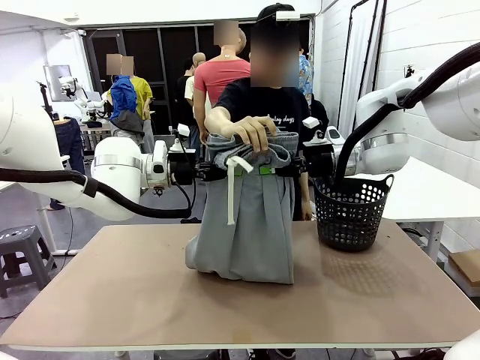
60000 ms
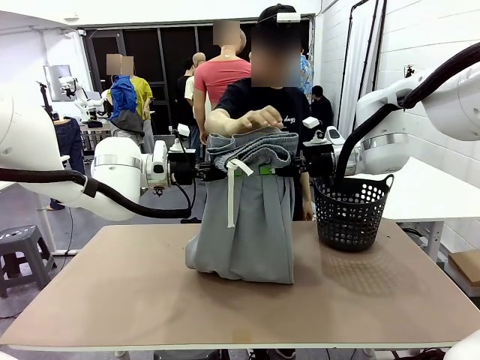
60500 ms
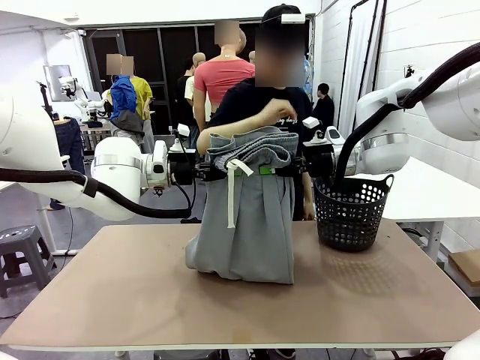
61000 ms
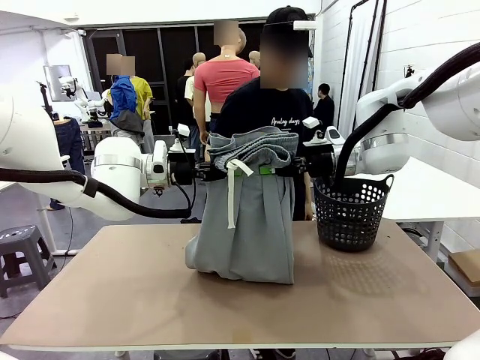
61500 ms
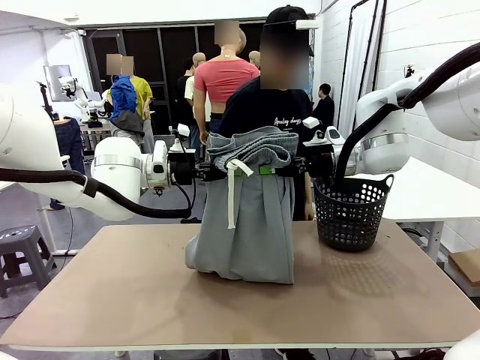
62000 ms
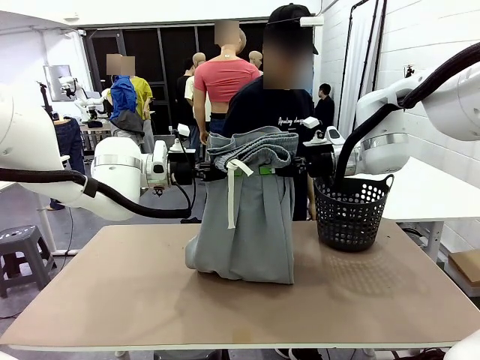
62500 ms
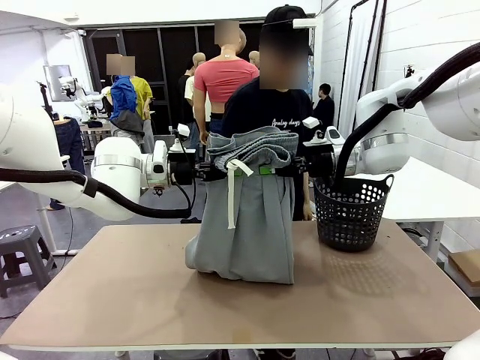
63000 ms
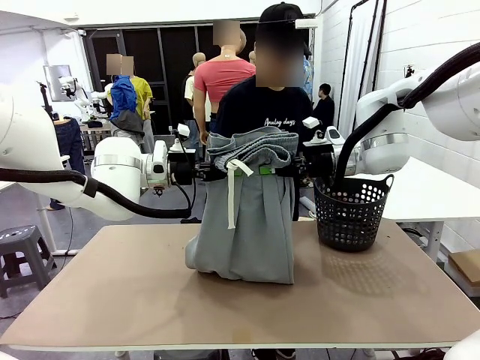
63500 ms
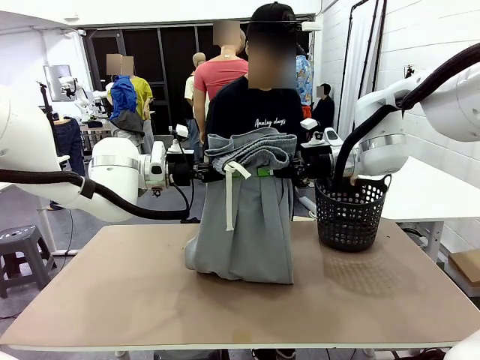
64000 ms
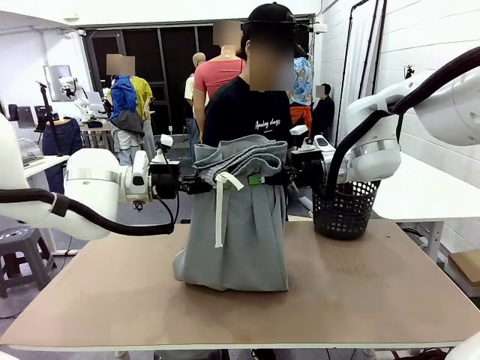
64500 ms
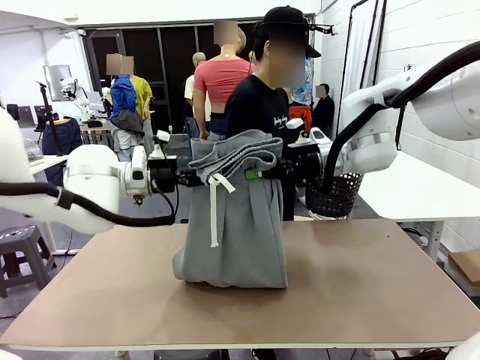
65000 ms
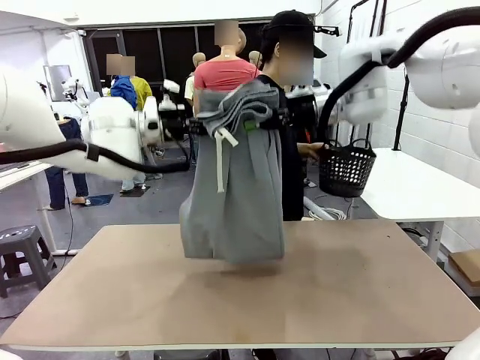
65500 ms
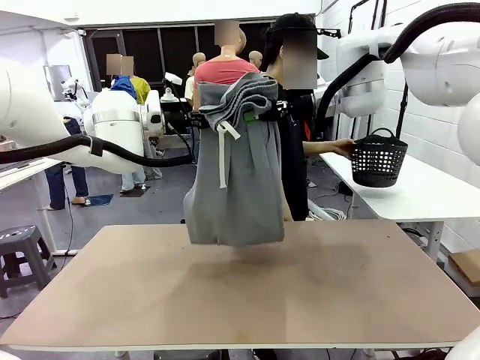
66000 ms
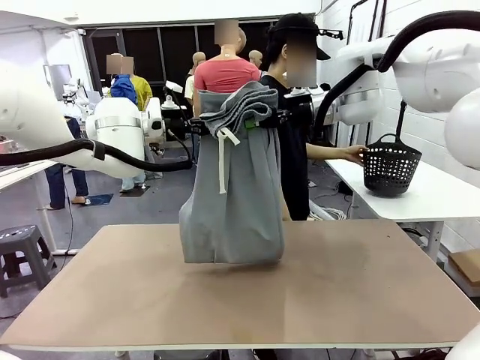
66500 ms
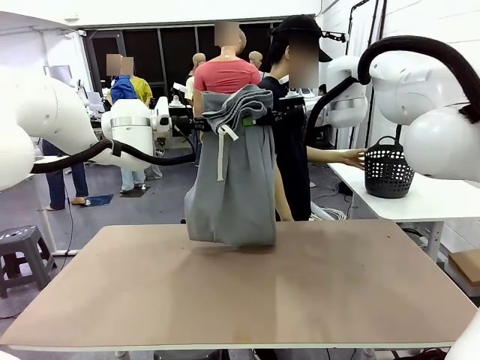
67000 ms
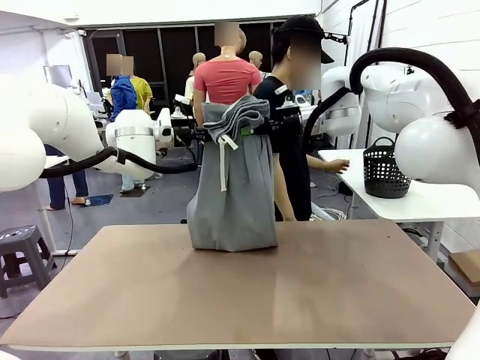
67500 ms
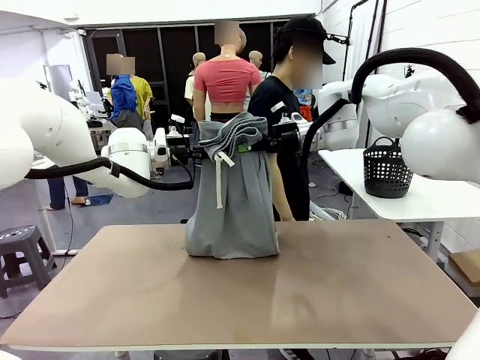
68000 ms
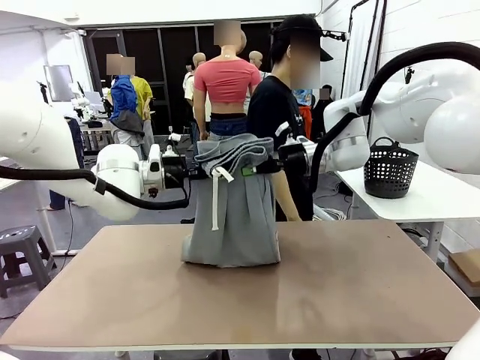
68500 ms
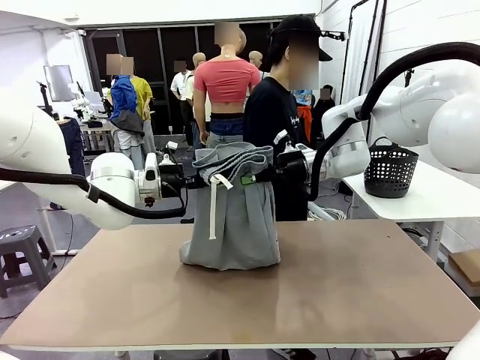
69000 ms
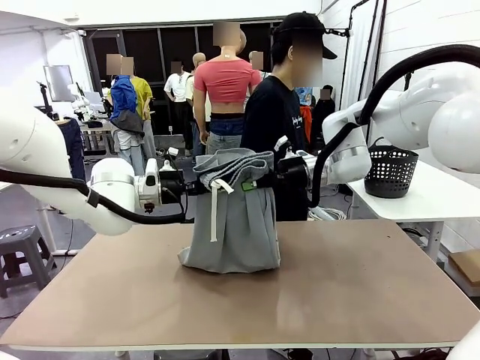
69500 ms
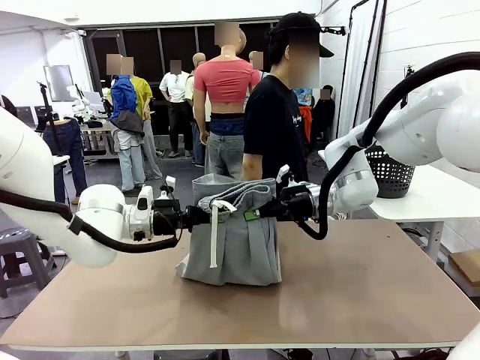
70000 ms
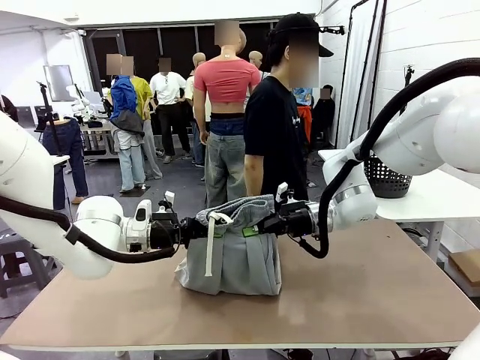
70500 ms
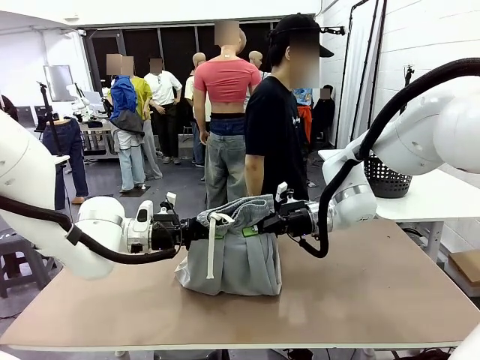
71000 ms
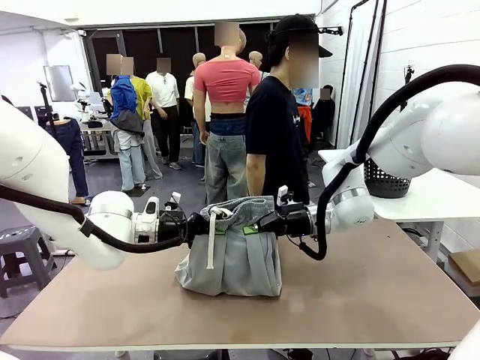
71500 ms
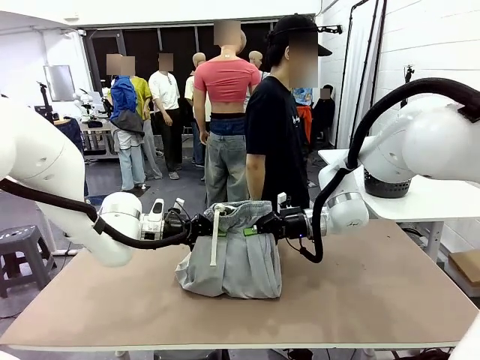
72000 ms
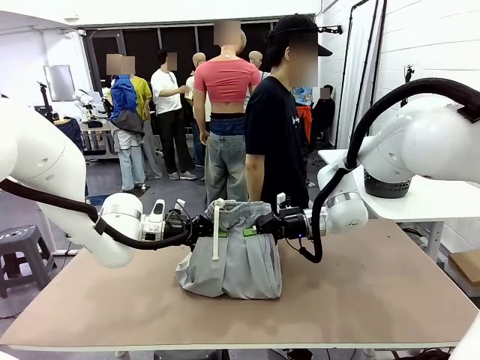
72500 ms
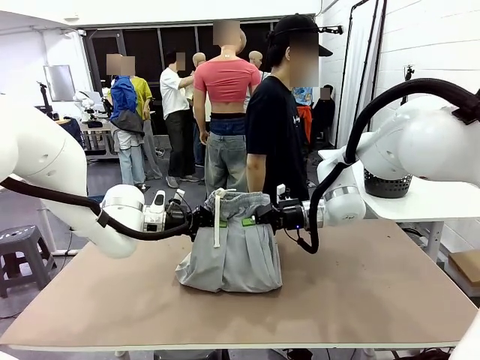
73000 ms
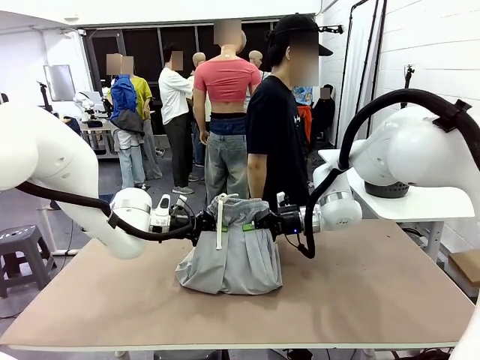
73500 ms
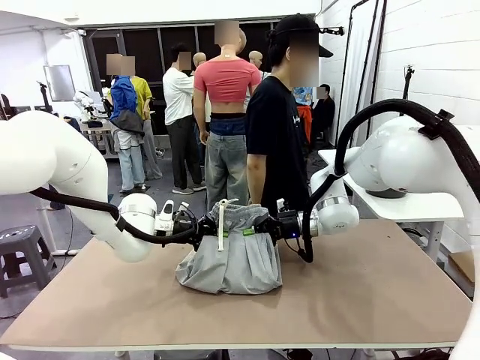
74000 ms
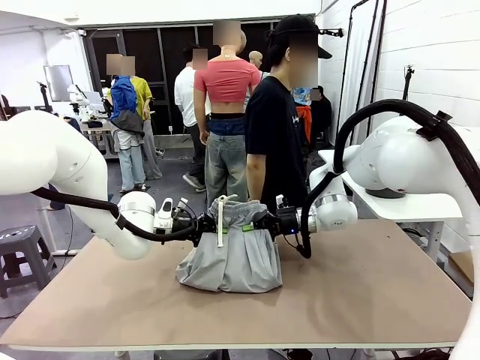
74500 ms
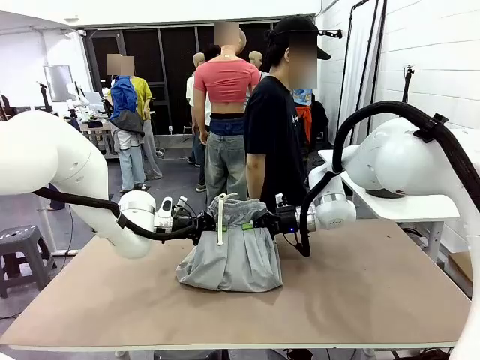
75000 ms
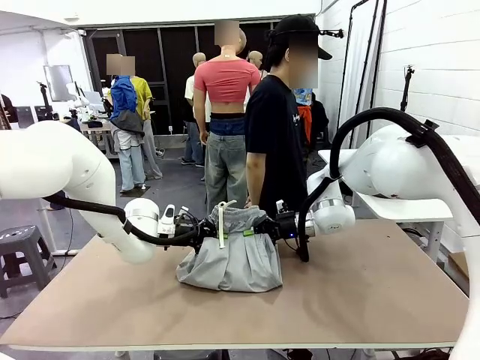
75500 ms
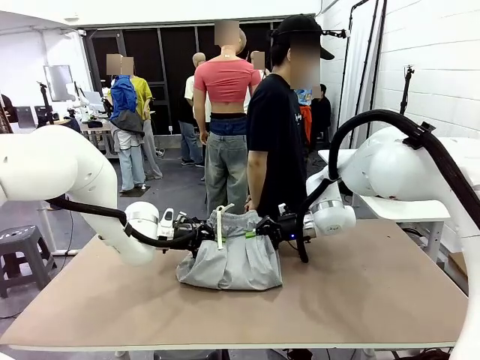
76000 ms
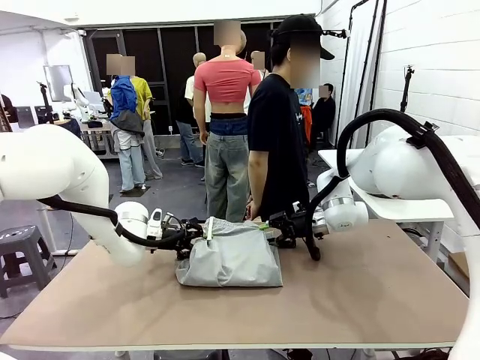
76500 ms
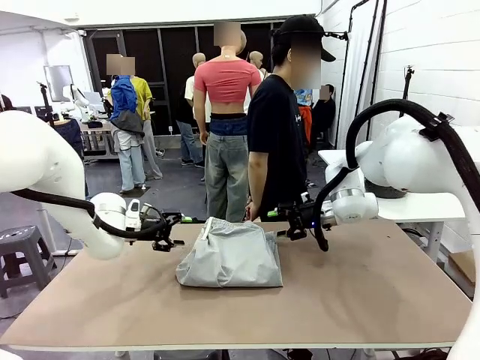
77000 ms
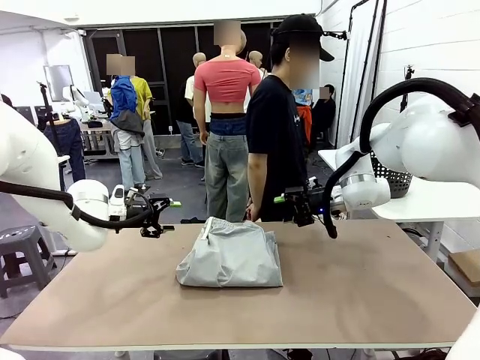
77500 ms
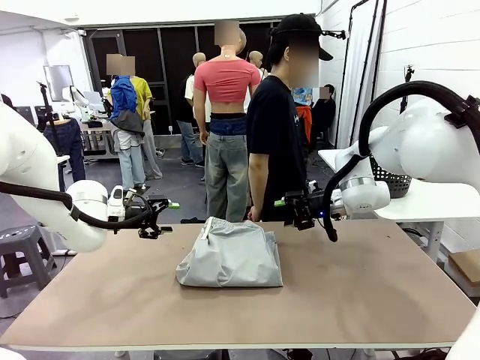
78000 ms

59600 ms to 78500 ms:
Task: Fold the training pants.
Robot: Fold the Training pants in half.
Person: Move the laundry basket to the right of the human table.

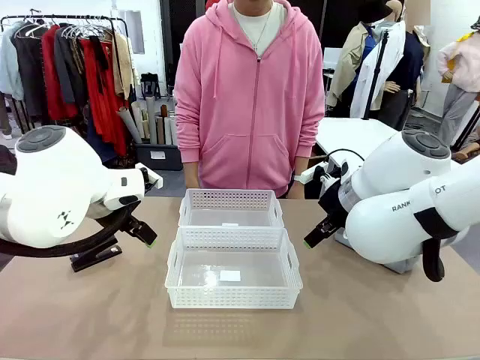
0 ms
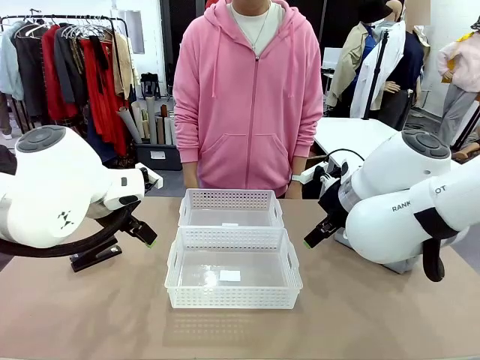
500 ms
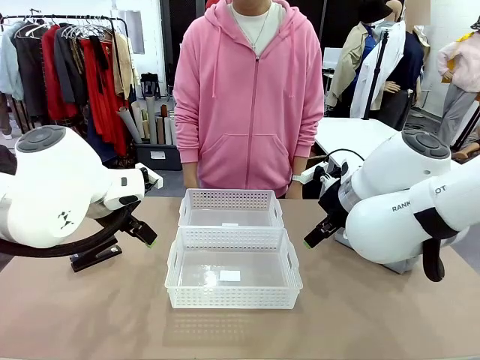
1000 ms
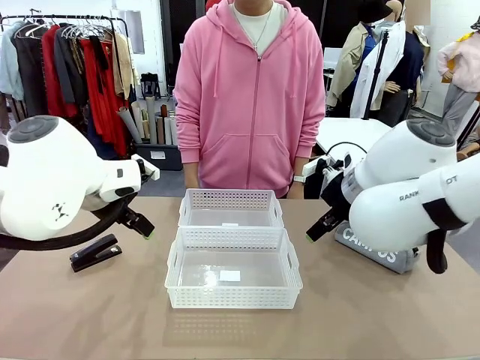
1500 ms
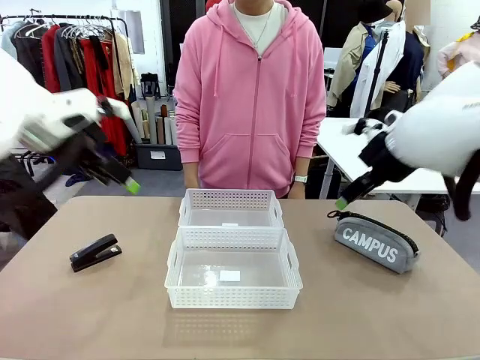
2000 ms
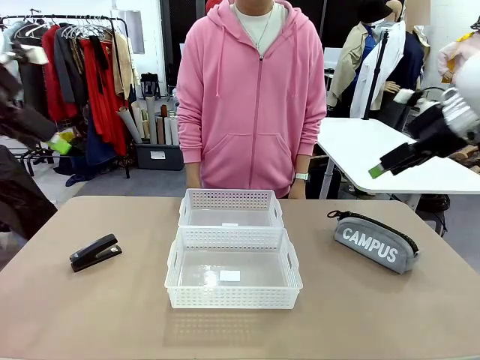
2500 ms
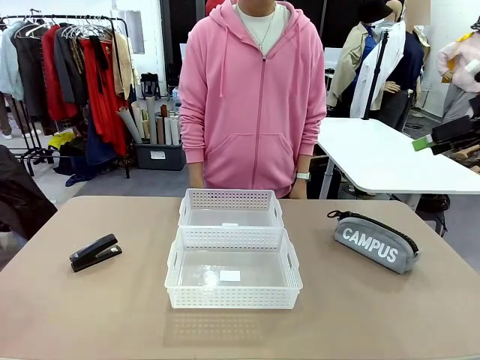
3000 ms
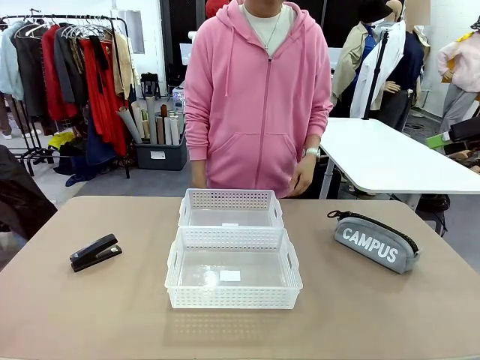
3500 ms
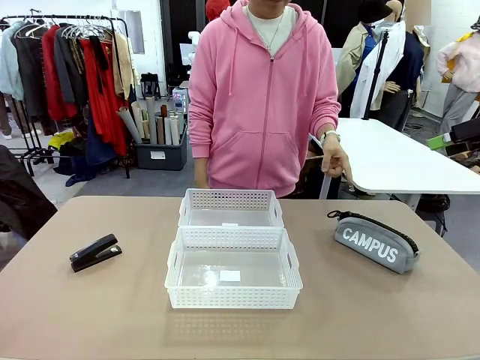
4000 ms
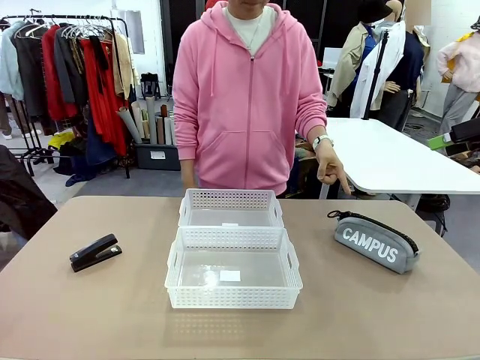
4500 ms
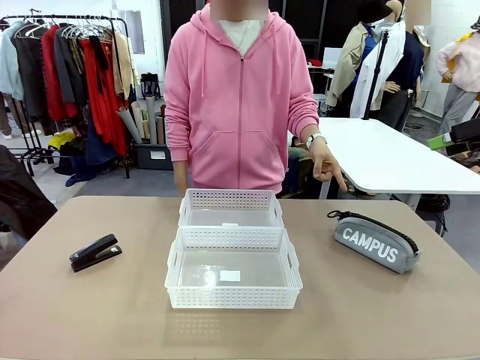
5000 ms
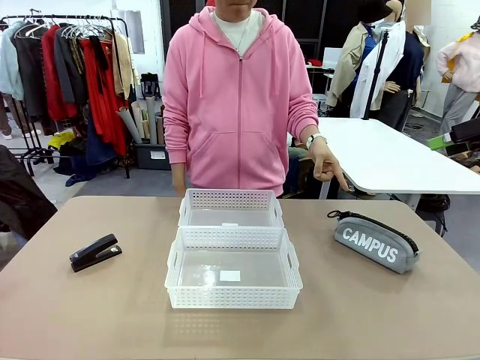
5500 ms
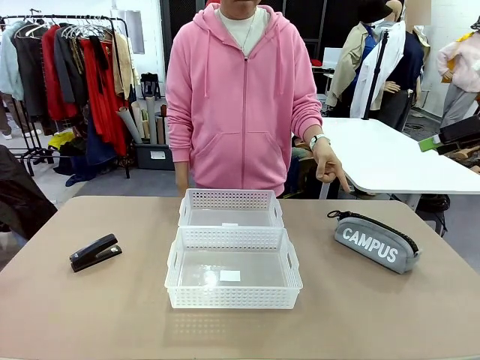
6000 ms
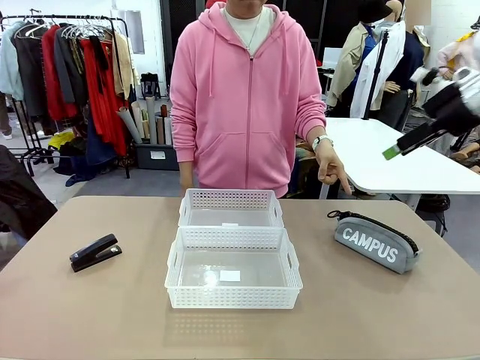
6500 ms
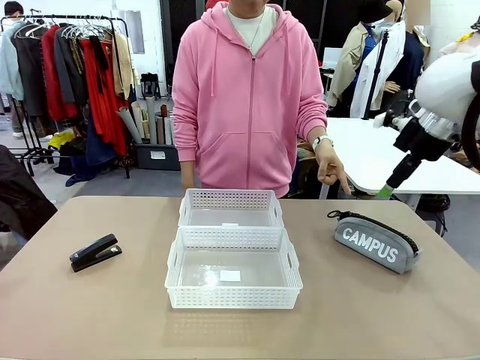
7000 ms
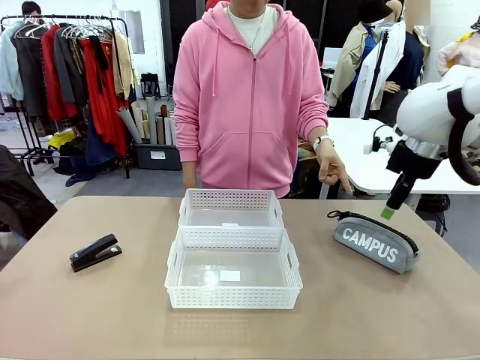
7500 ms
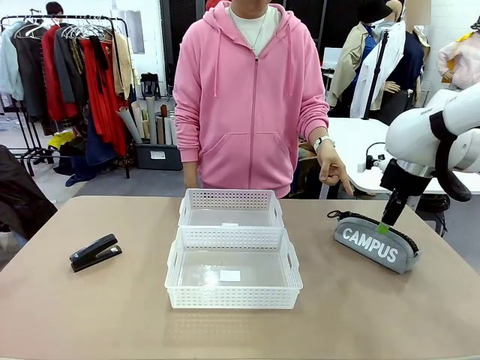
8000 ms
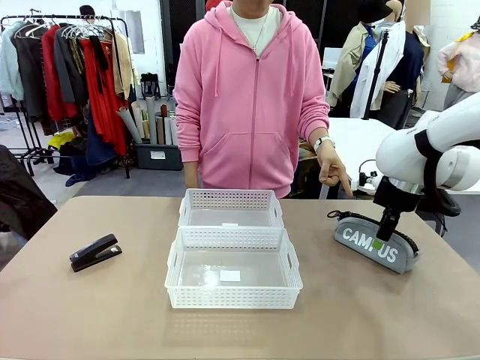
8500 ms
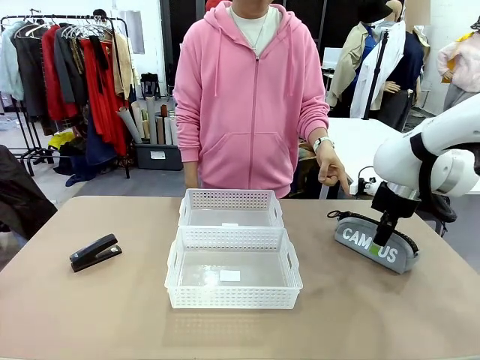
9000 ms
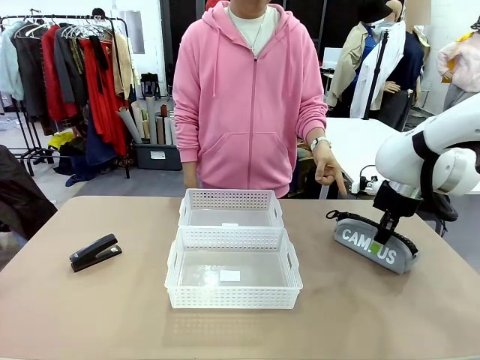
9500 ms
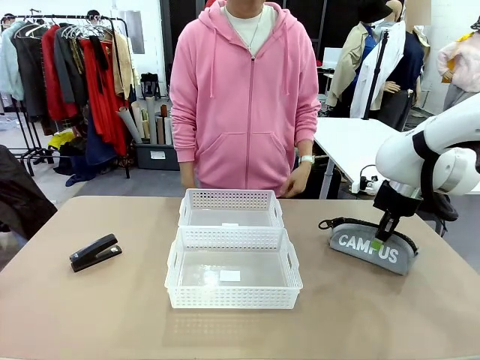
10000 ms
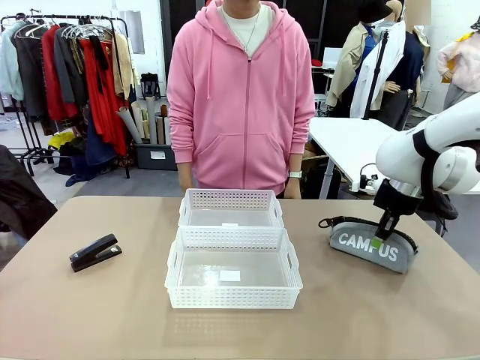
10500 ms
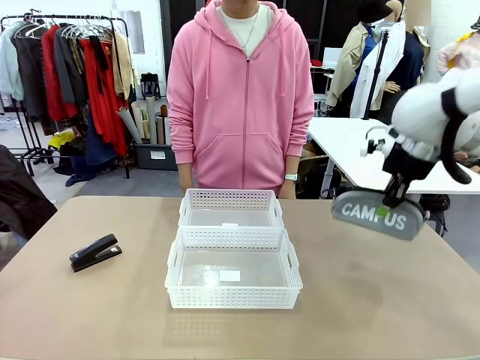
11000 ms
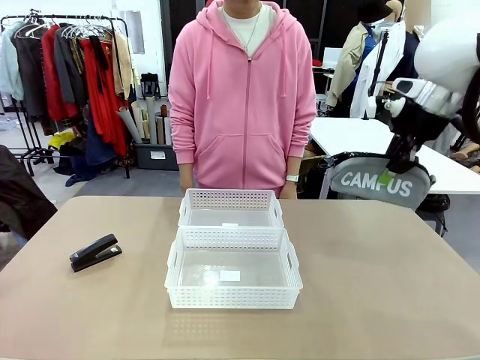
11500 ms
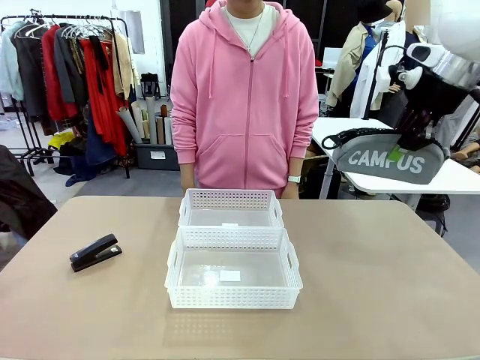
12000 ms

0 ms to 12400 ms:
Task: Distribute items into two baskets.
Robot: Pick up the Pencil pouch that the person points to.
Person: Points to the pencil case. Points between the two organizing baskets and instructs the robot to move the pencil case.
